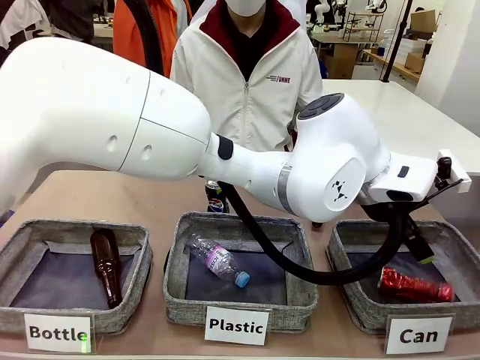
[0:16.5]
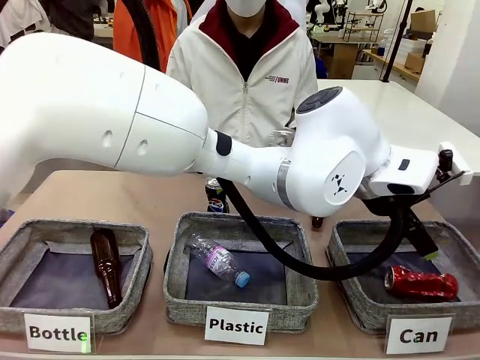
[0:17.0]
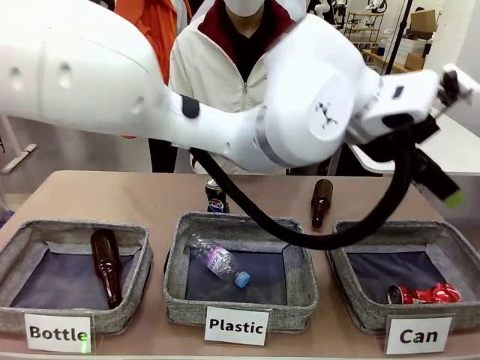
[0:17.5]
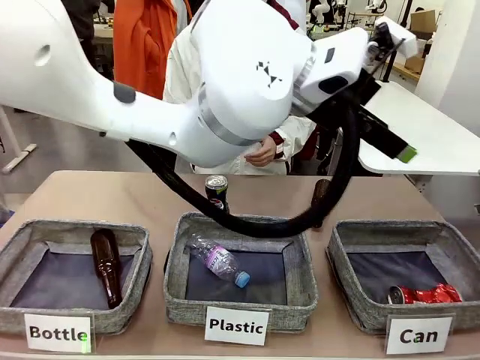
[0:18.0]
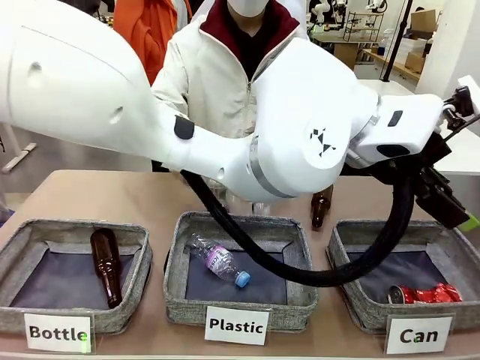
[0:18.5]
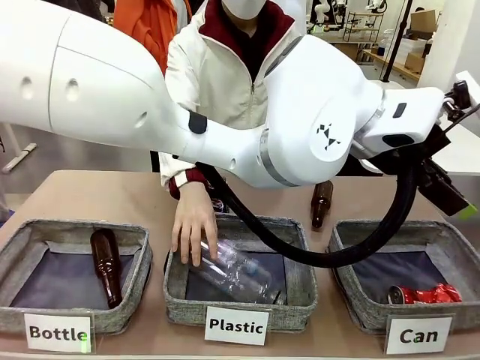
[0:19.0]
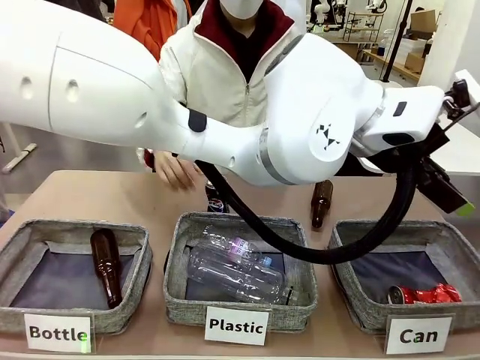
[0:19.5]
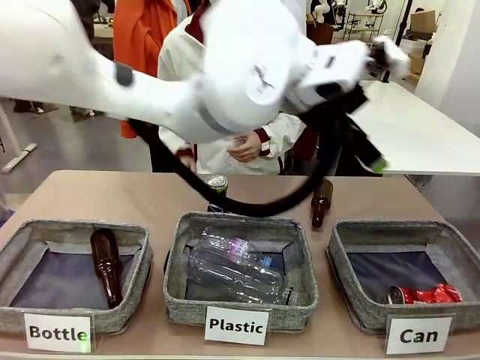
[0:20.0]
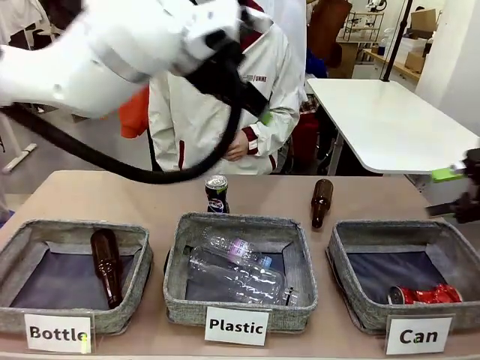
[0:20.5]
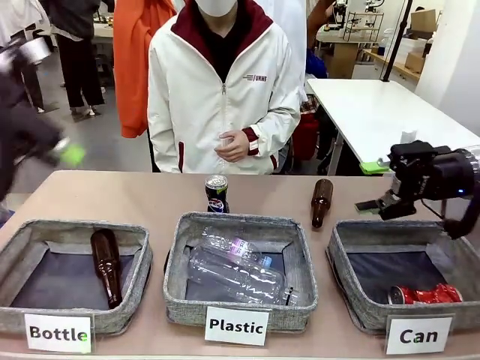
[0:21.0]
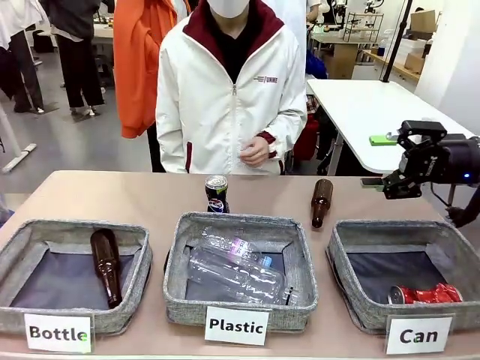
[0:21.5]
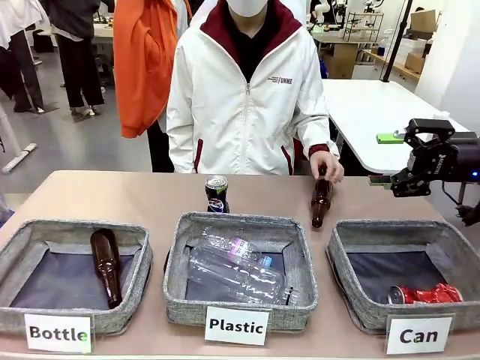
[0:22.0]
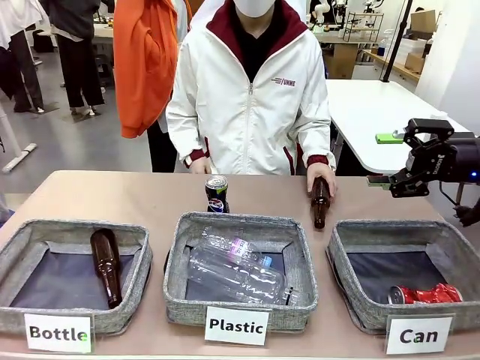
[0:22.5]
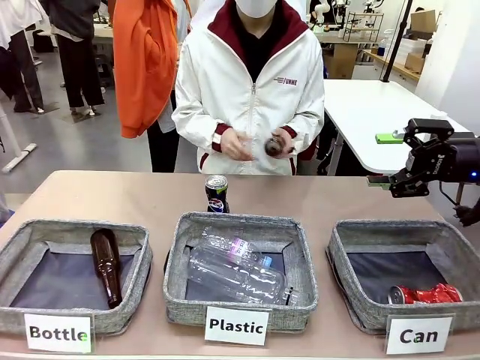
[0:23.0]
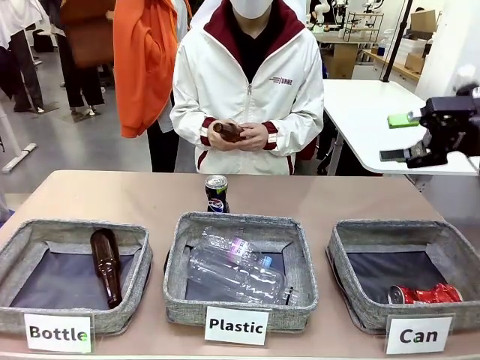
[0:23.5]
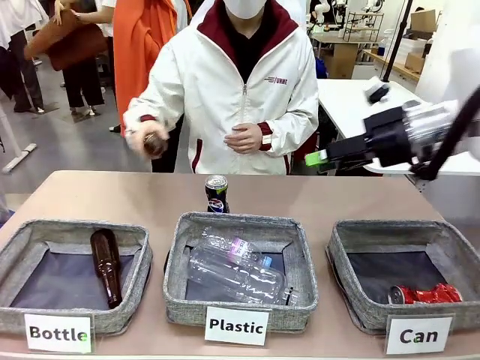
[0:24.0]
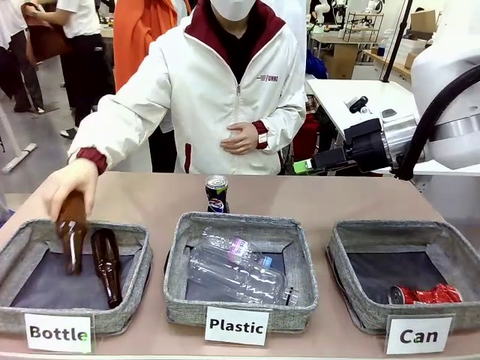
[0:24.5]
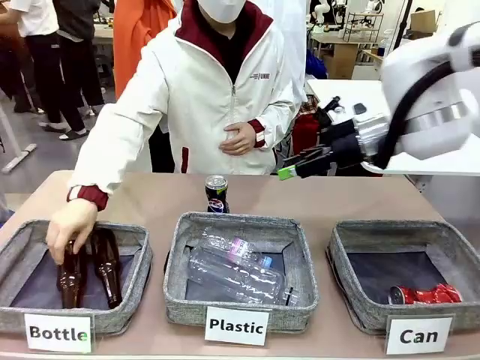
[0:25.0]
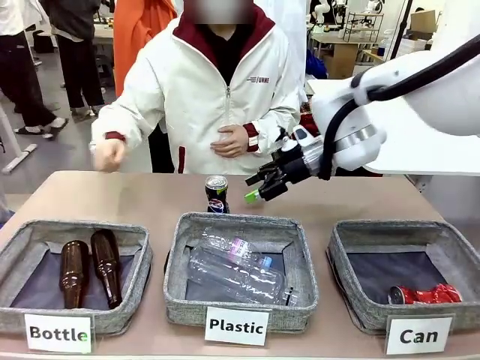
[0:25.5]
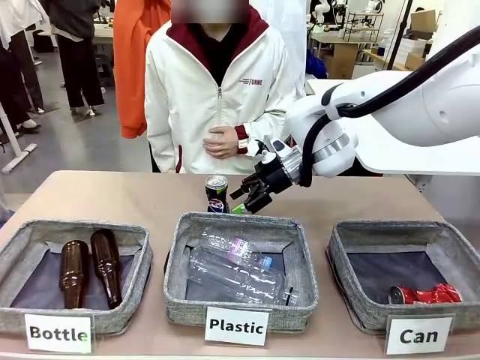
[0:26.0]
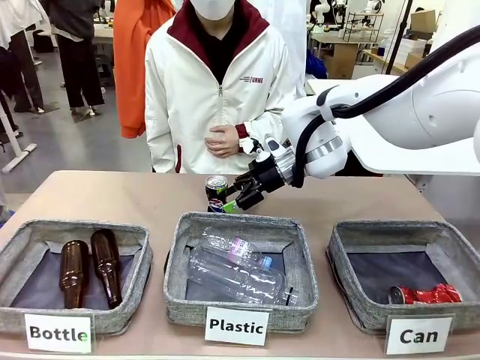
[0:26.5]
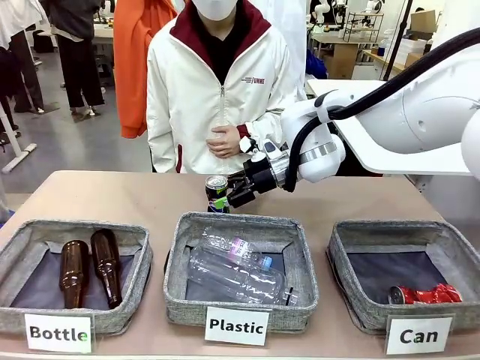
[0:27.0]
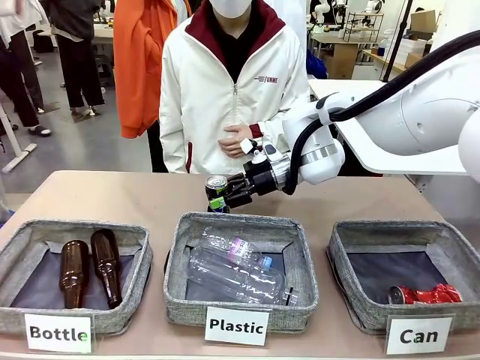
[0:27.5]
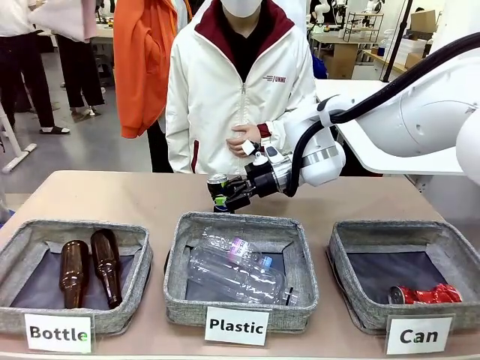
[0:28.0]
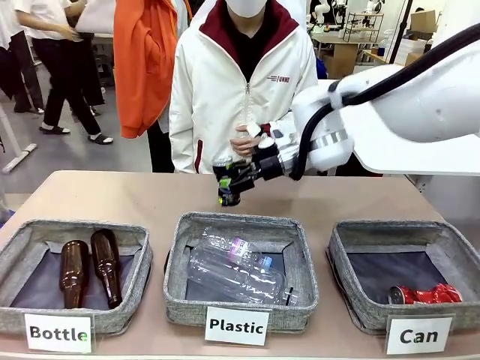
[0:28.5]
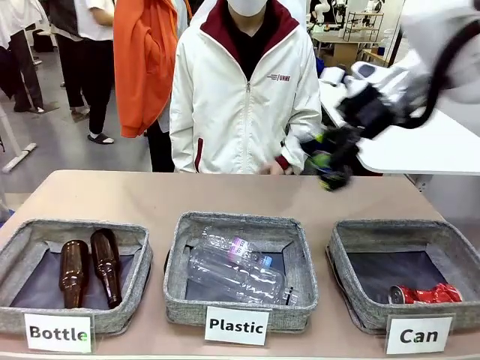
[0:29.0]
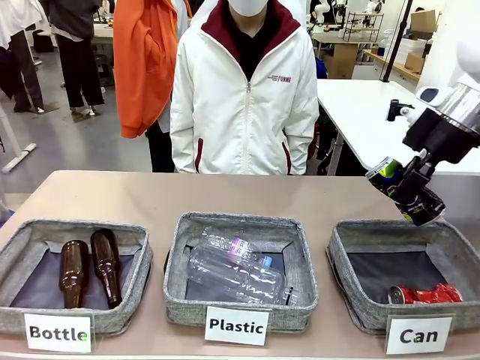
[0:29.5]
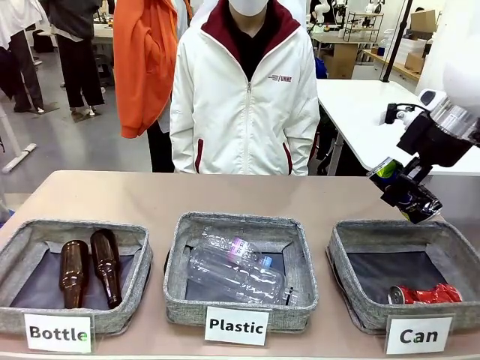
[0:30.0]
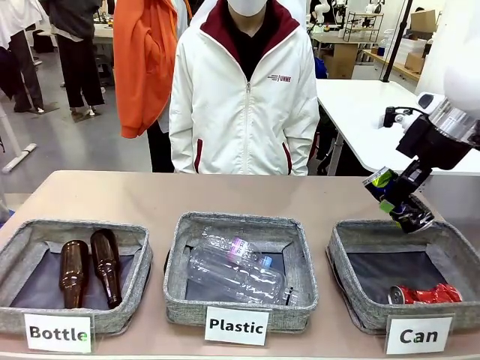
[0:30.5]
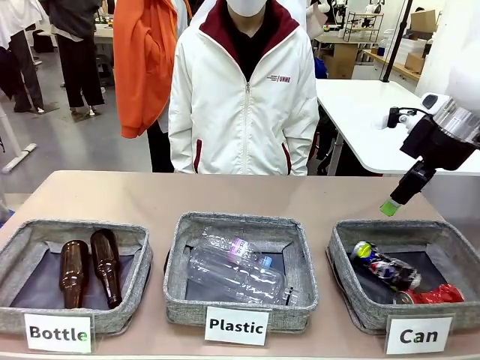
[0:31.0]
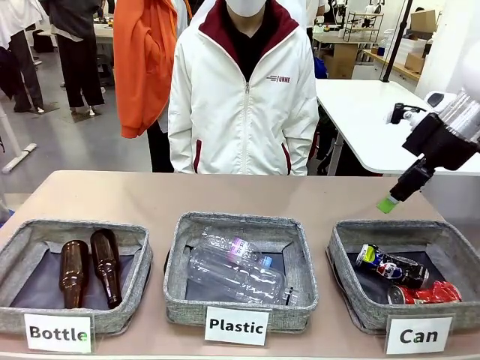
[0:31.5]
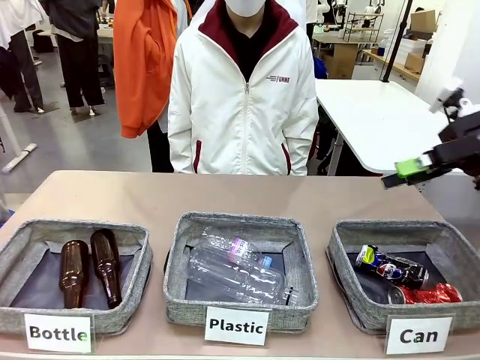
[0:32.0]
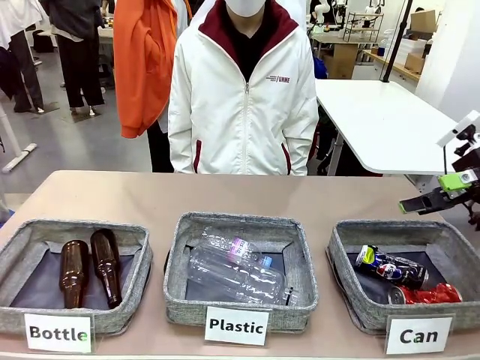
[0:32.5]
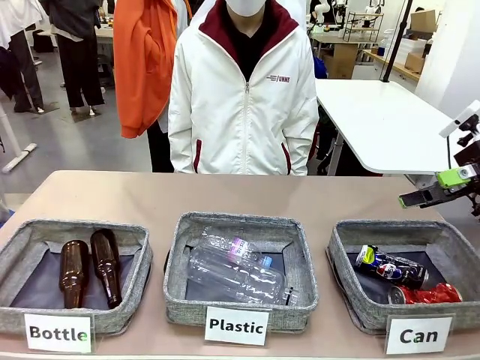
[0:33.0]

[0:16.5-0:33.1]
Task: Sort the can waste into the basket.
Robot: Pick up the can waste from the table and place it in the right Fabric basket.
Person: The human picks up one piece of trash that is not a can and places the trash into the appropriate organizing basket.
